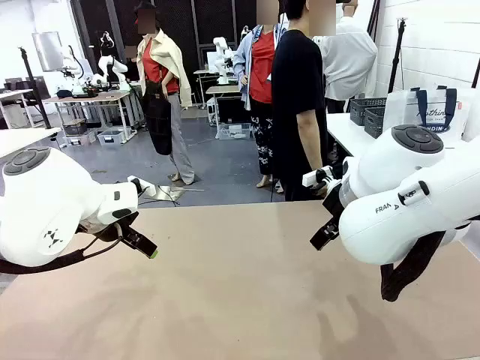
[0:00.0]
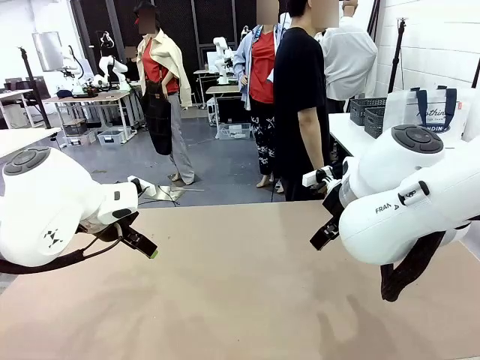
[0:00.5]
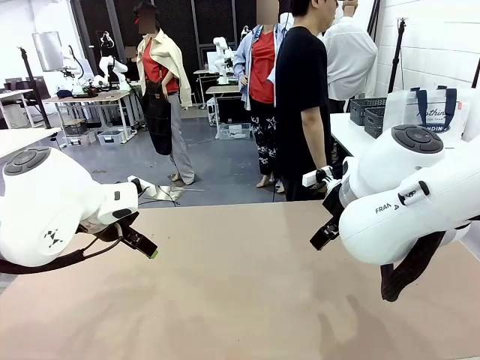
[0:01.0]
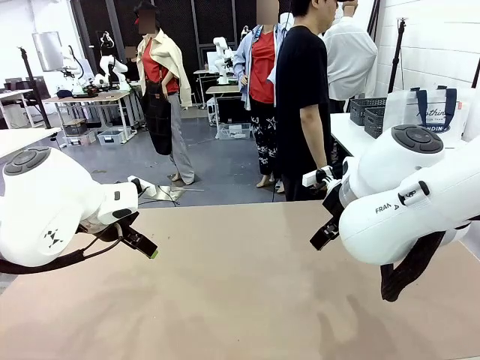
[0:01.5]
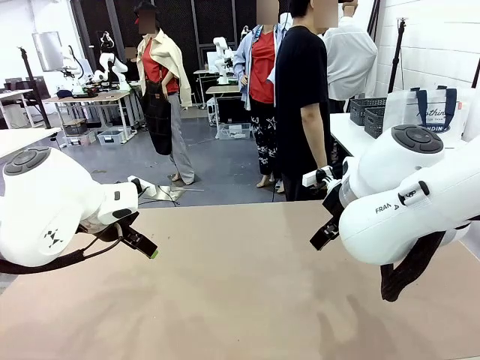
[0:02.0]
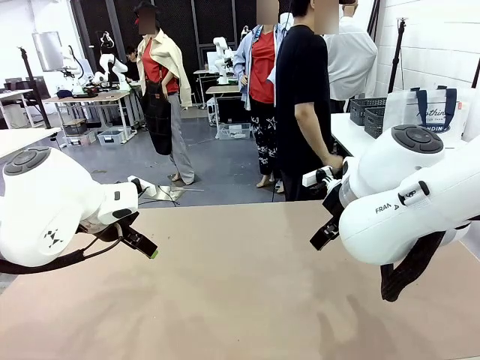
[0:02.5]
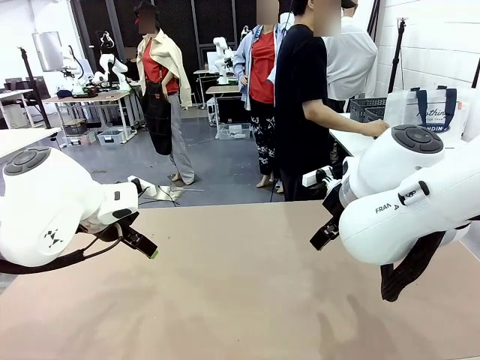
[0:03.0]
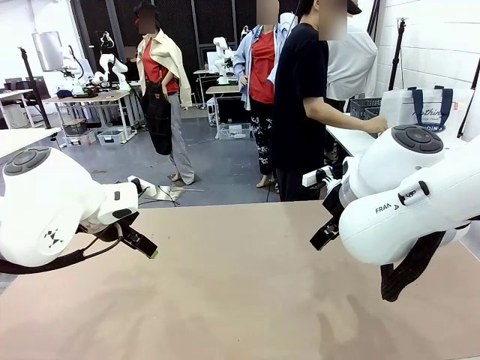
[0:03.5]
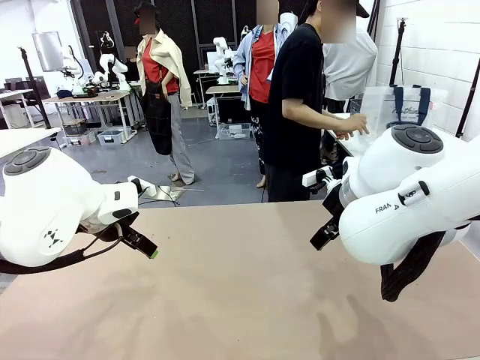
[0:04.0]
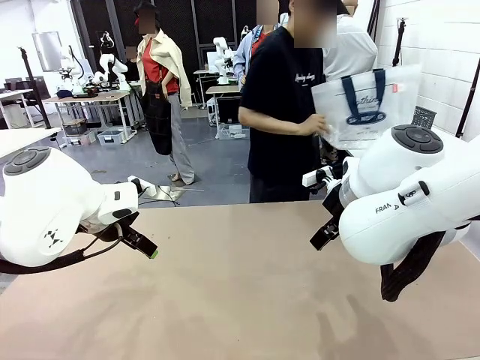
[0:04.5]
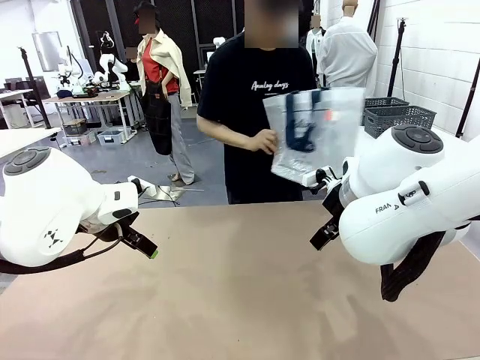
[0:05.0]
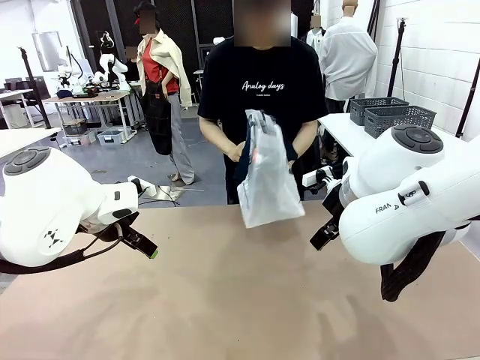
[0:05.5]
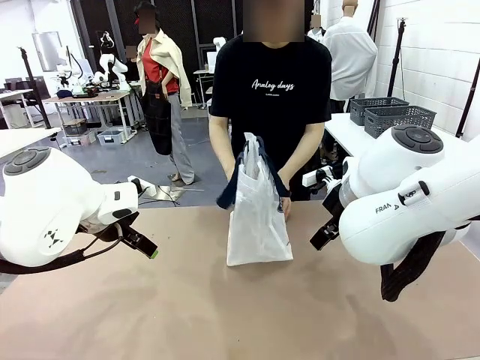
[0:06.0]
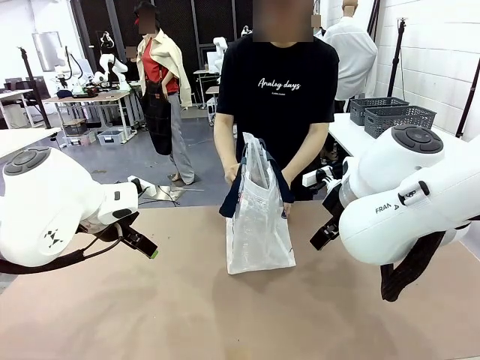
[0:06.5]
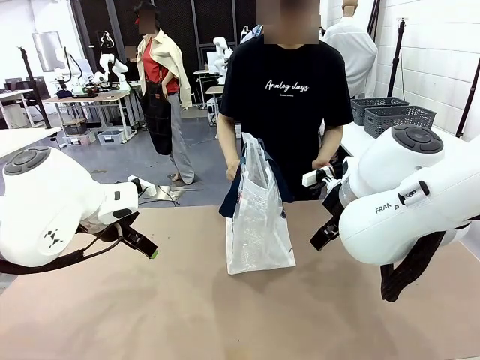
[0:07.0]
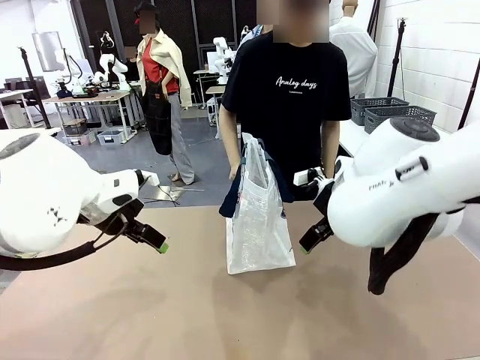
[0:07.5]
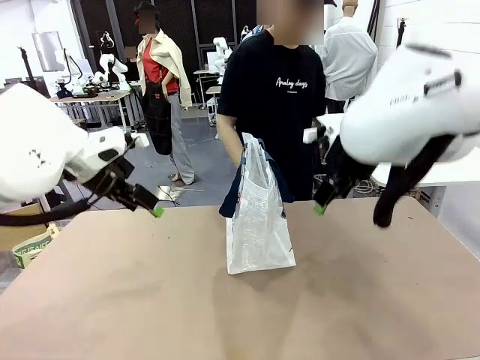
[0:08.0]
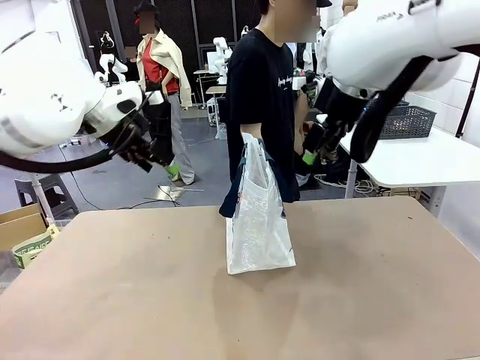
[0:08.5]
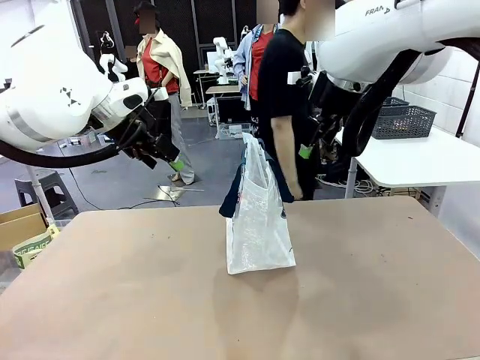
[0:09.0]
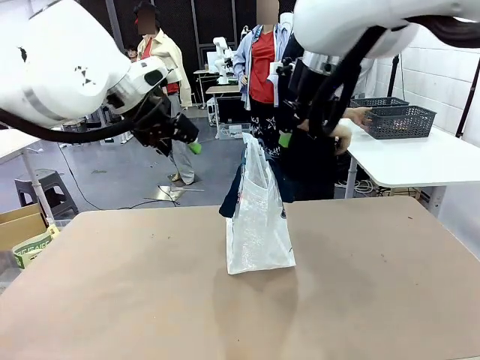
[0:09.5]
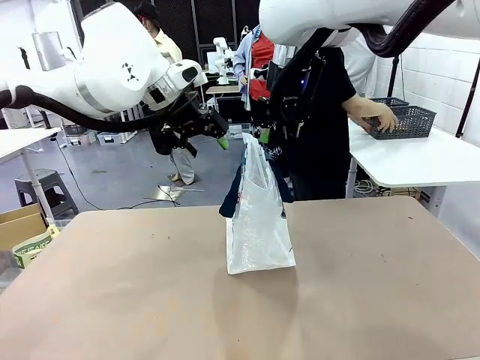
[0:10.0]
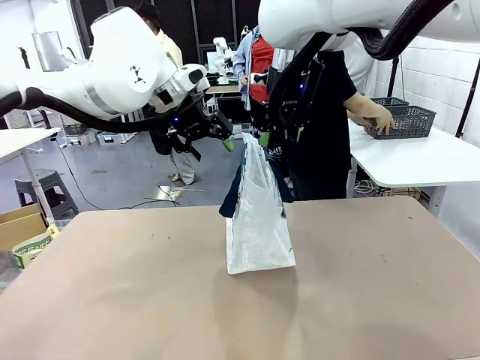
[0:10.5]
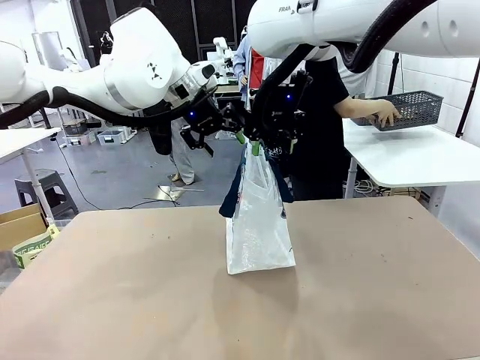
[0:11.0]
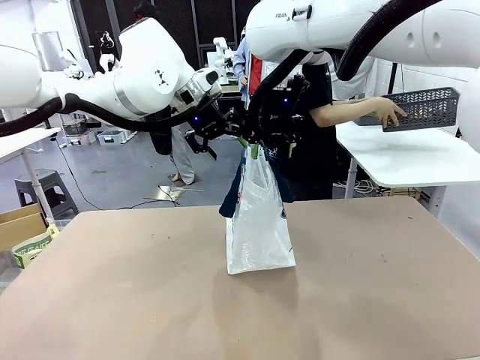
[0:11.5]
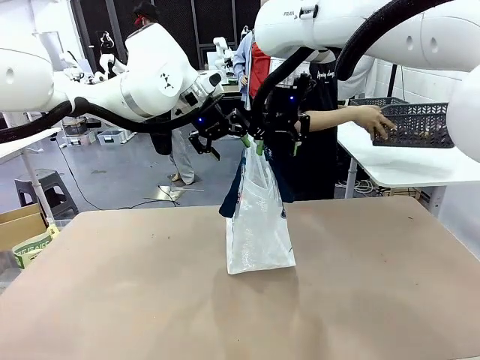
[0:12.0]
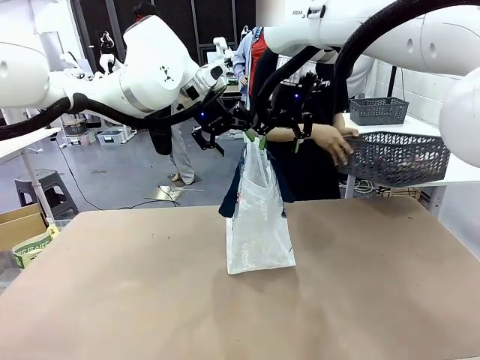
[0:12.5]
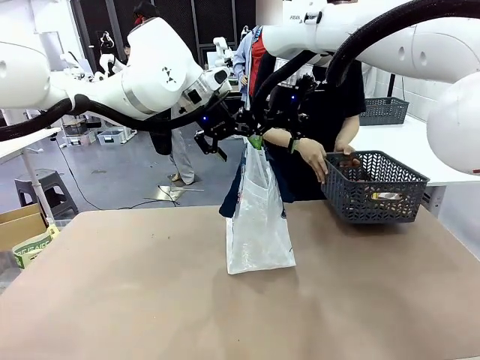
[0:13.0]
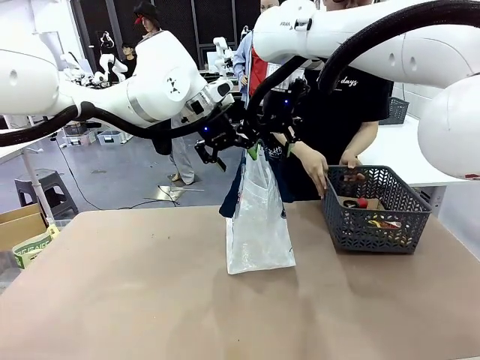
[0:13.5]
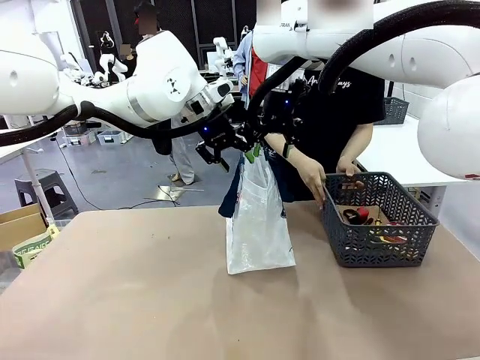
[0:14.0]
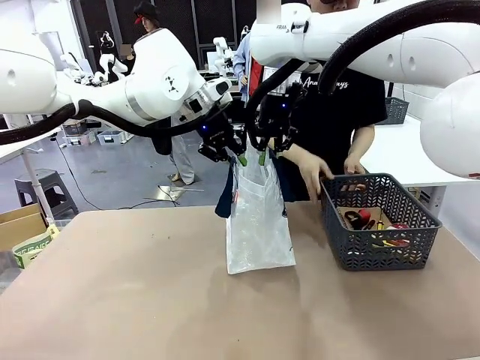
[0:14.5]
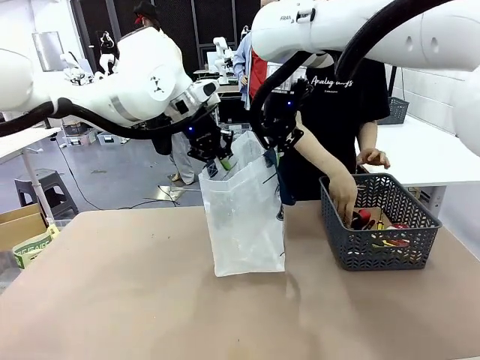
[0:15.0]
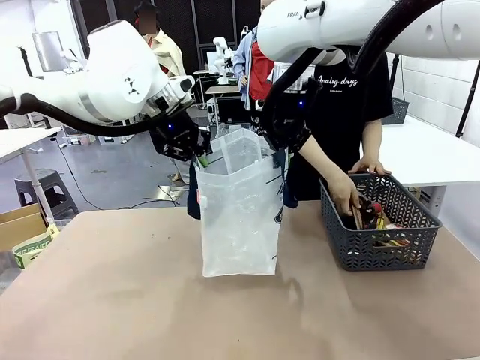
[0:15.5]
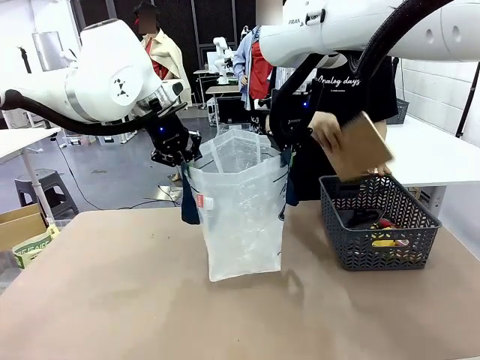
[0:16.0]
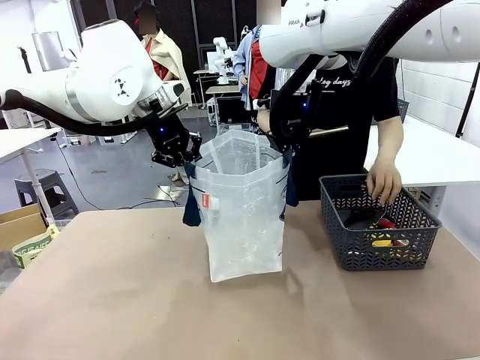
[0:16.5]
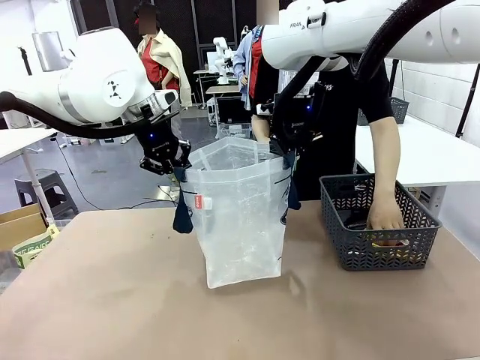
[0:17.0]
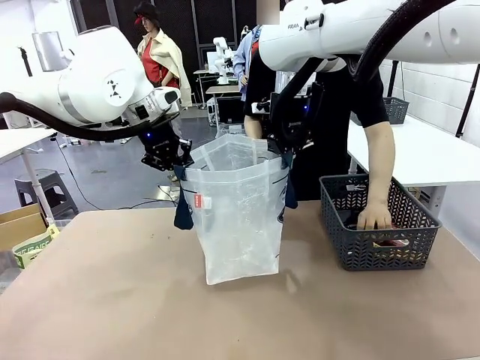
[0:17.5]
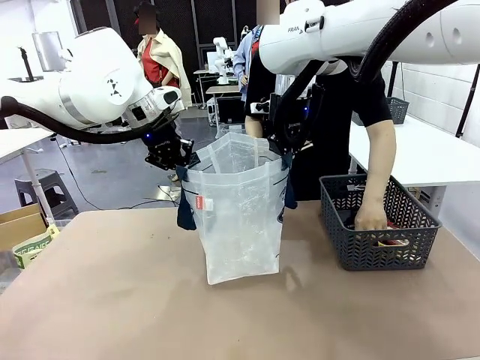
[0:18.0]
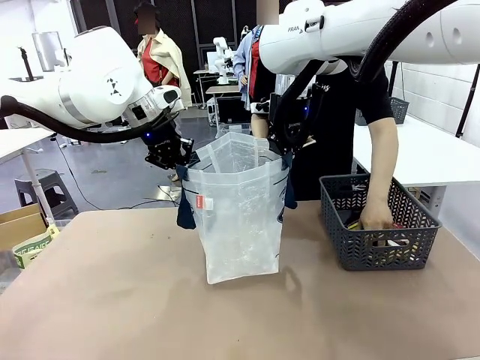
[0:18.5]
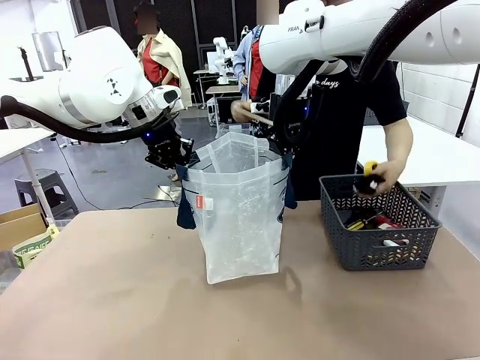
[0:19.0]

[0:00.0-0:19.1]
Task: Transfer purchased items from the store into the shopping bag.
Robot: Open the Reusable shopping bag in the center of the table.
Person: Pick up the shopping bag and place it in the middle of the robot table.

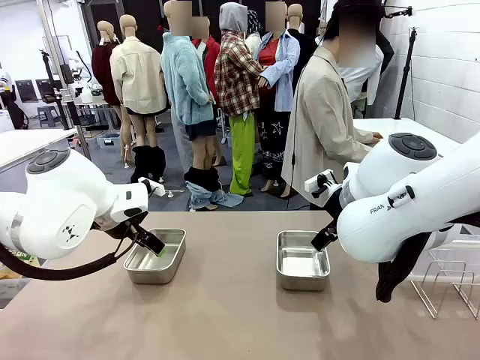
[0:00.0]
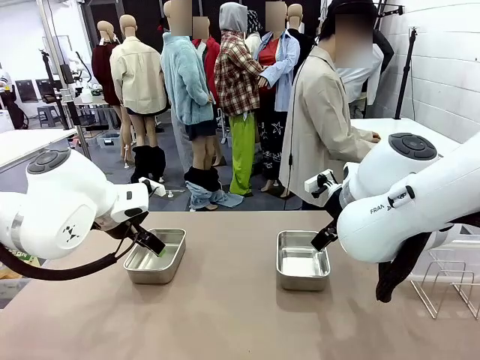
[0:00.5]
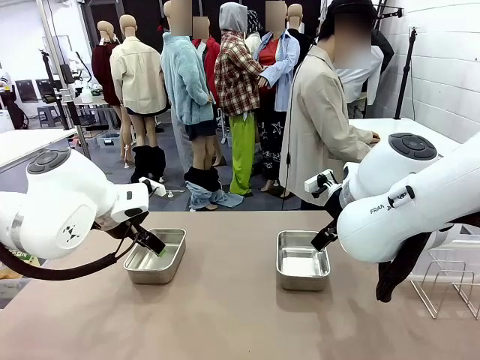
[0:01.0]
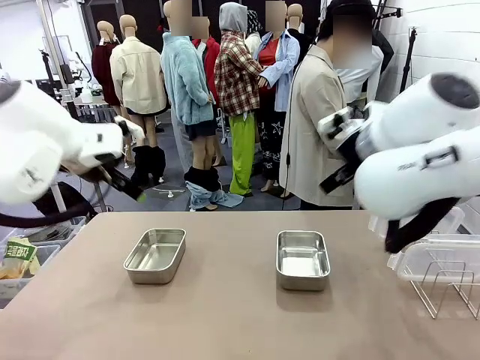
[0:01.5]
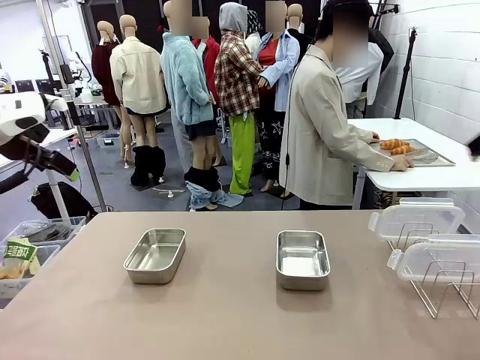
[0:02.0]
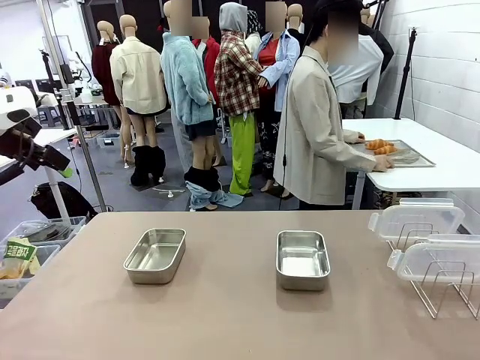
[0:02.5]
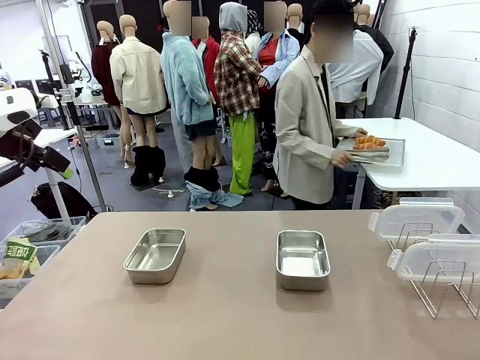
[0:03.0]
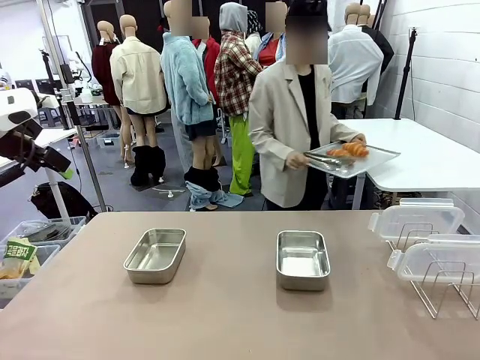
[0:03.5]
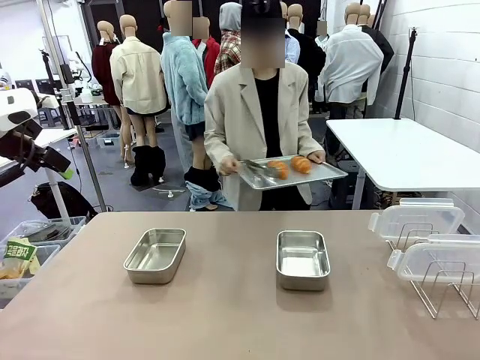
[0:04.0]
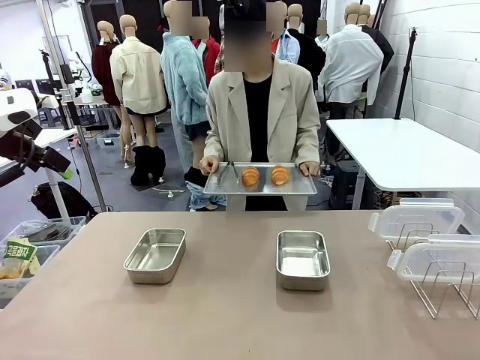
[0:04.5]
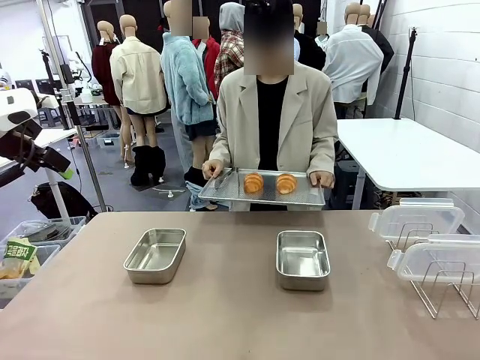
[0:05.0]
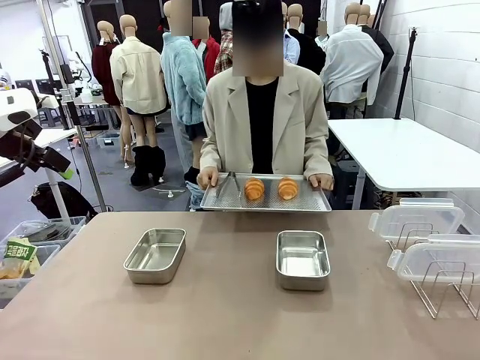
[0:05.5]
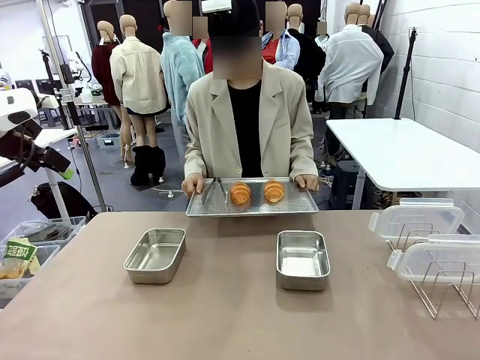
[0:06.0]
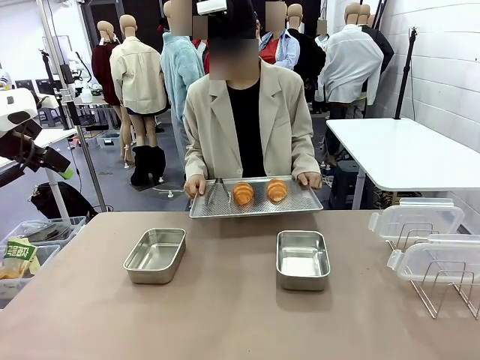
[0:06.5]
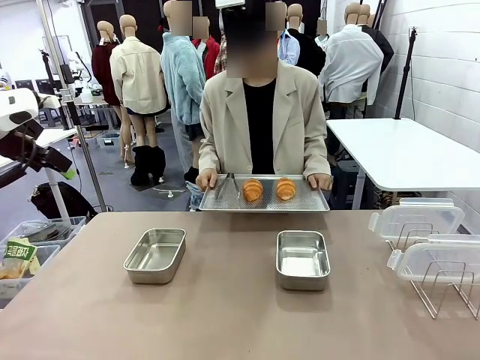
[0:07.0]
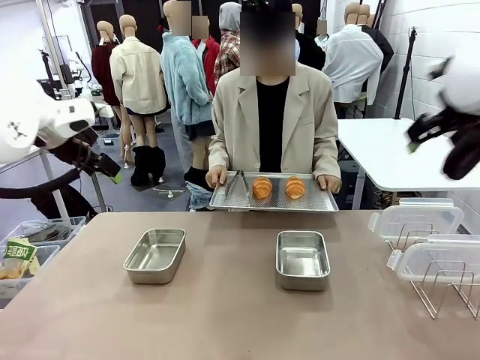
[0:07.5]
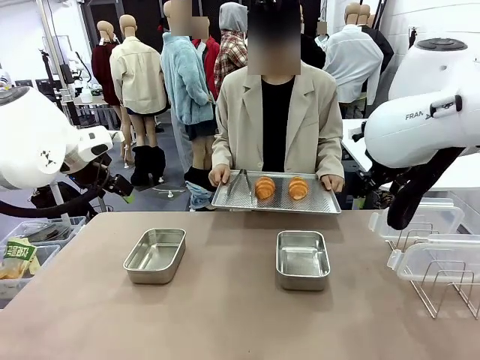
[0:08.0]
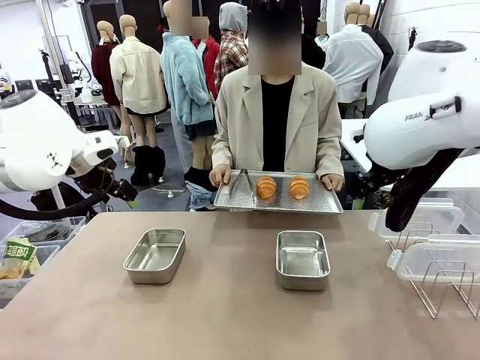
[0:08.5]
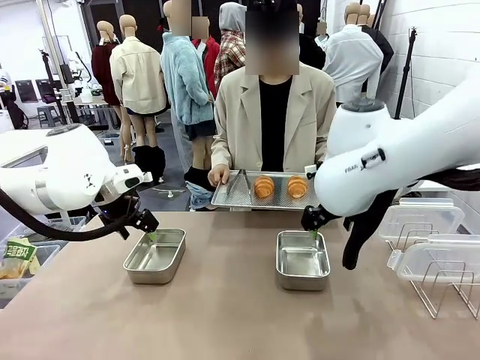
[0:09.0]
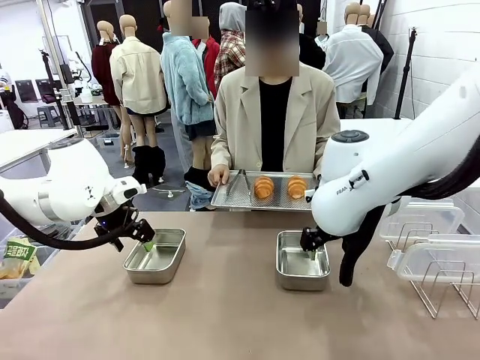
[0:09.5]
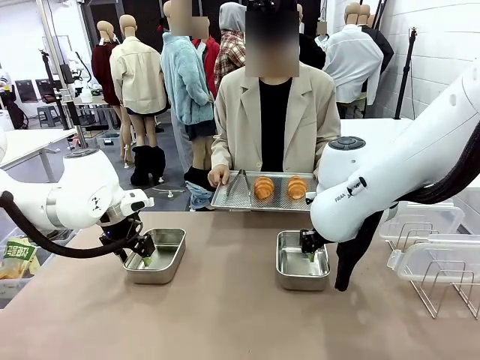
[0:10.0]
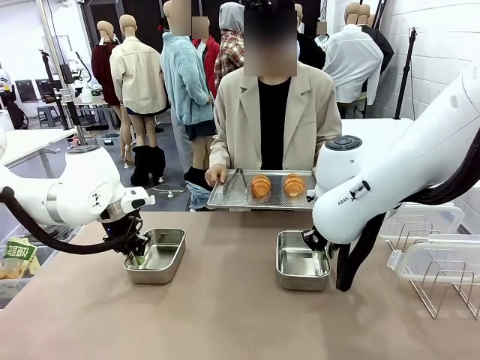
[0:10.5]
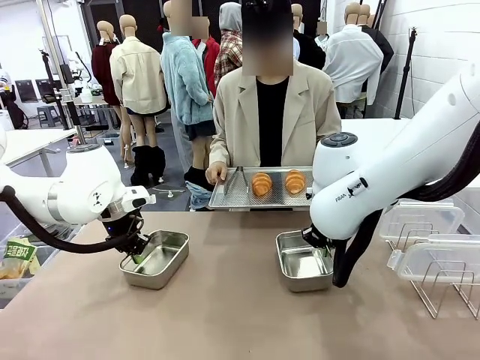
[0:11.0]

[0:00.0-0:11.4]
Task: Place the bread in airtight containers.
Robot: Lift both Airtight Container.
Person: Bring the Baking Sheet in front of Robot's Table.
